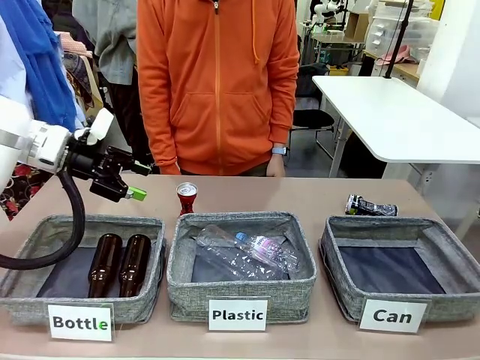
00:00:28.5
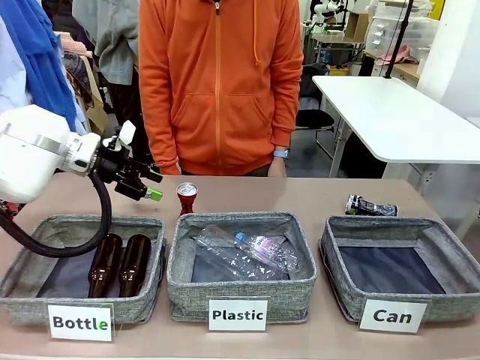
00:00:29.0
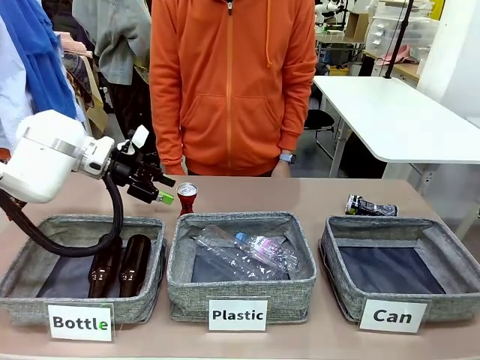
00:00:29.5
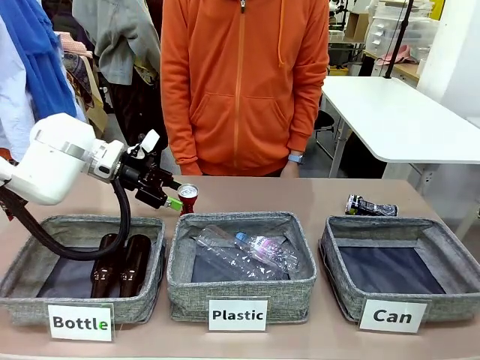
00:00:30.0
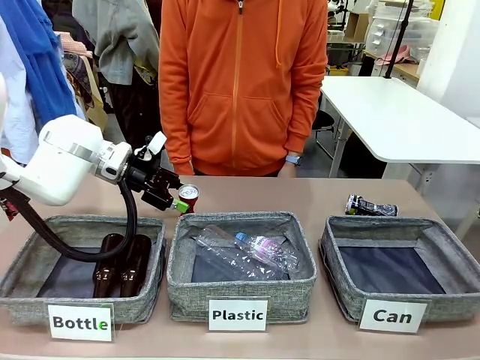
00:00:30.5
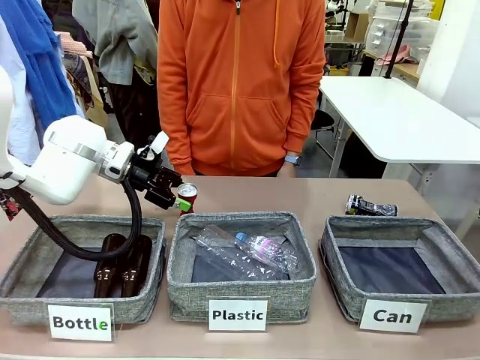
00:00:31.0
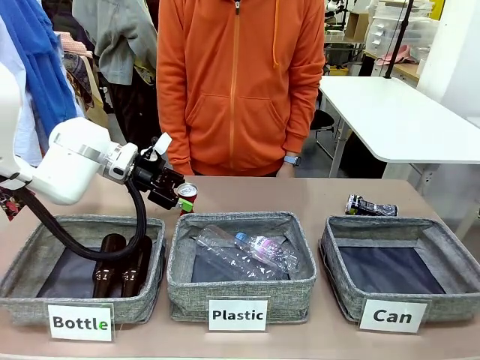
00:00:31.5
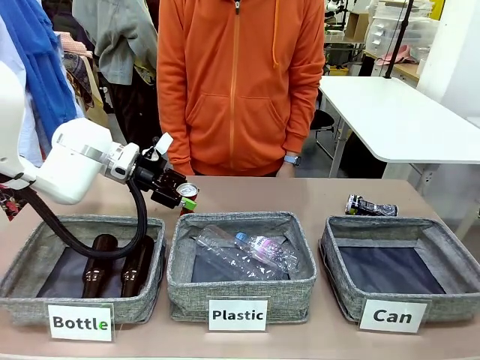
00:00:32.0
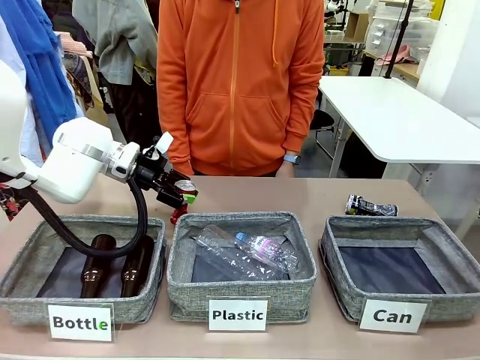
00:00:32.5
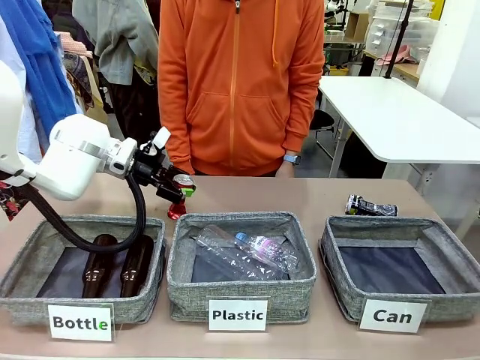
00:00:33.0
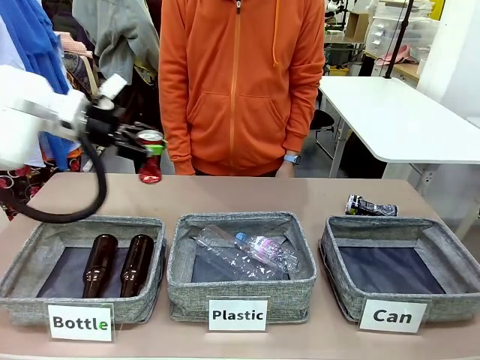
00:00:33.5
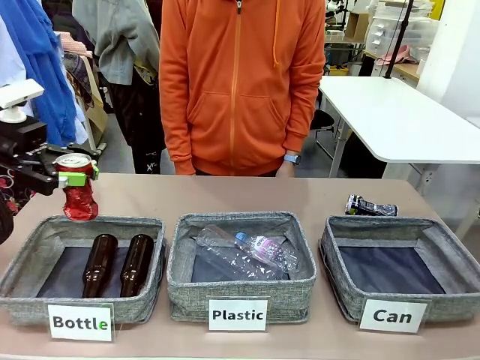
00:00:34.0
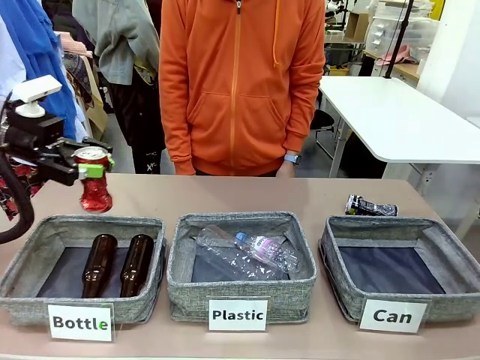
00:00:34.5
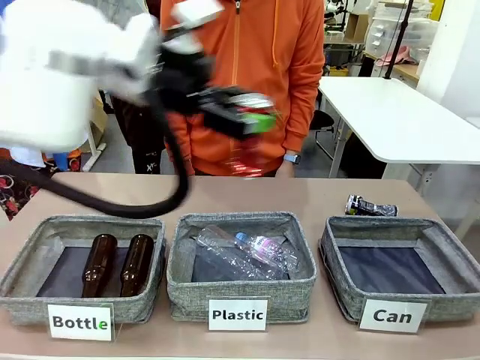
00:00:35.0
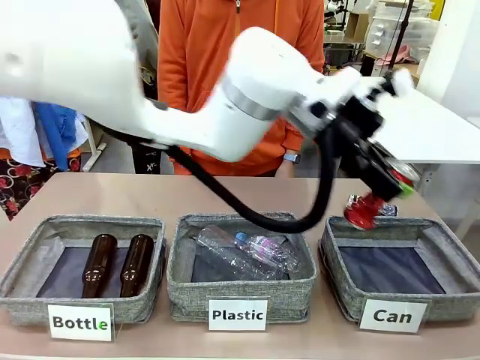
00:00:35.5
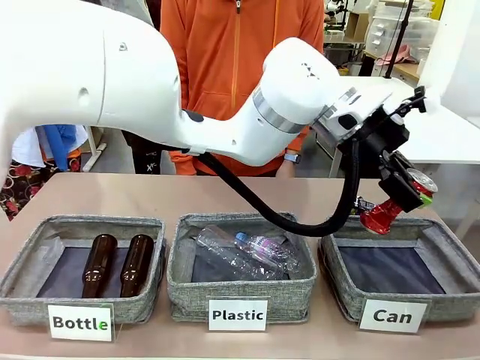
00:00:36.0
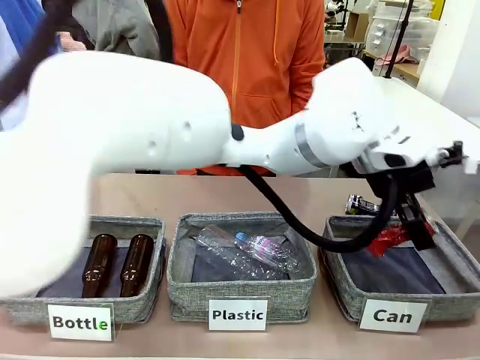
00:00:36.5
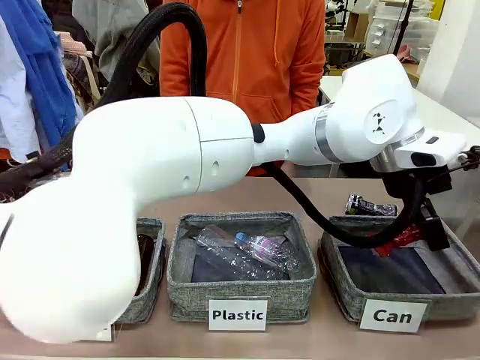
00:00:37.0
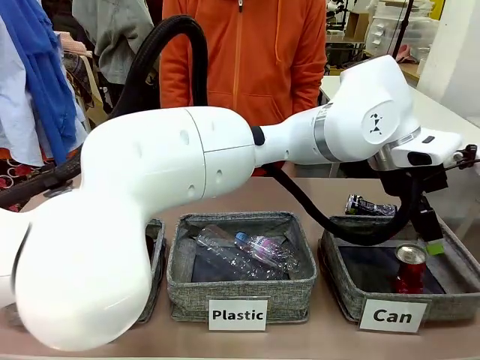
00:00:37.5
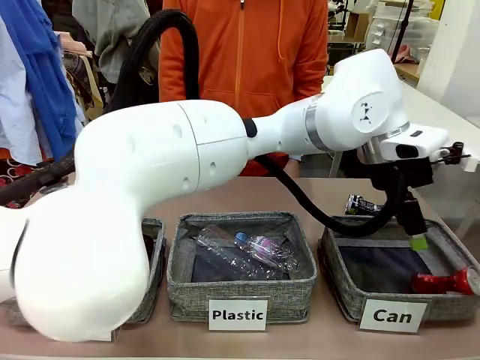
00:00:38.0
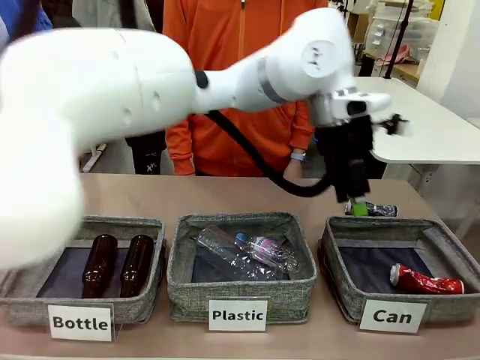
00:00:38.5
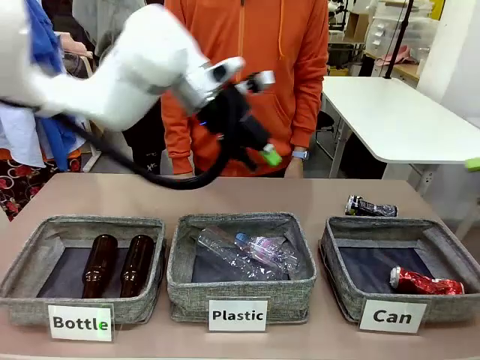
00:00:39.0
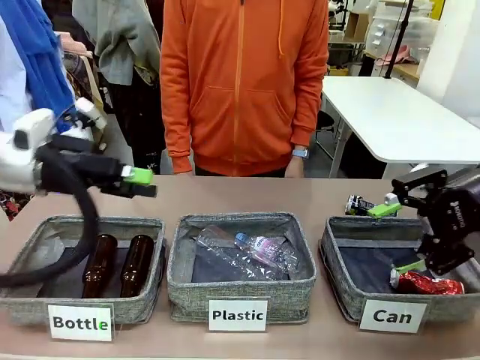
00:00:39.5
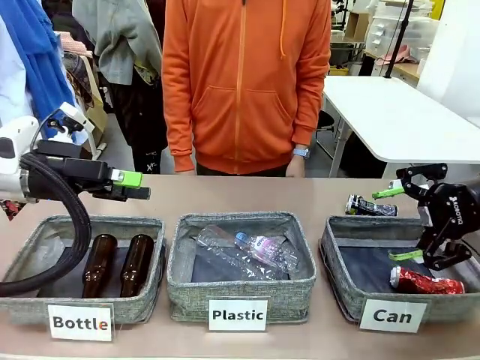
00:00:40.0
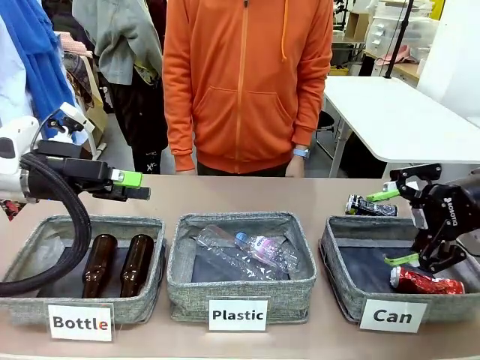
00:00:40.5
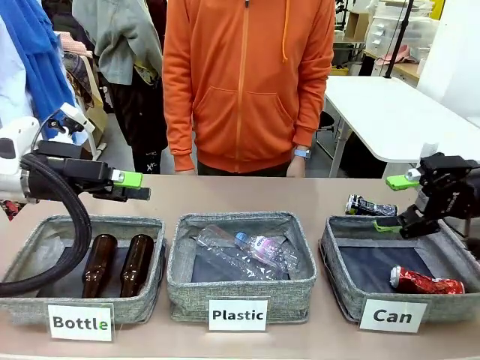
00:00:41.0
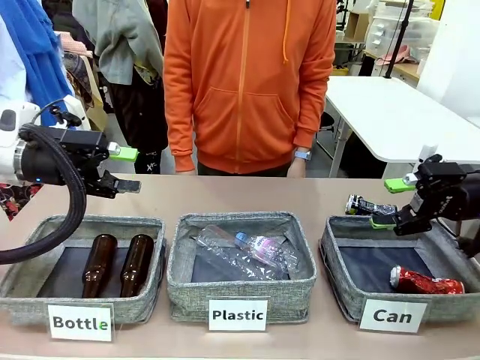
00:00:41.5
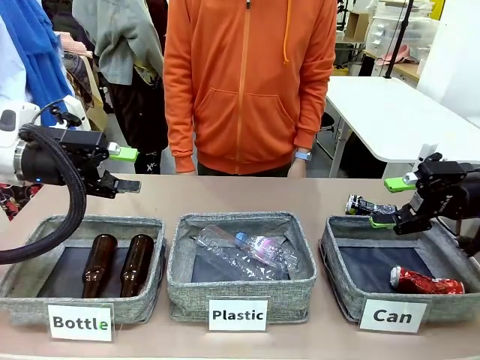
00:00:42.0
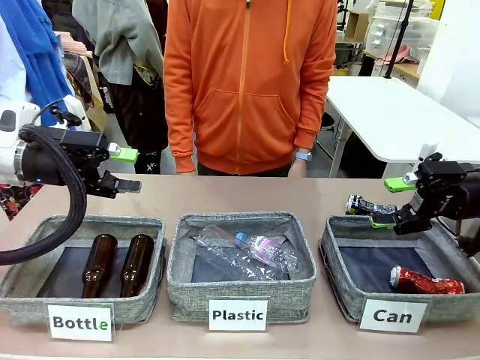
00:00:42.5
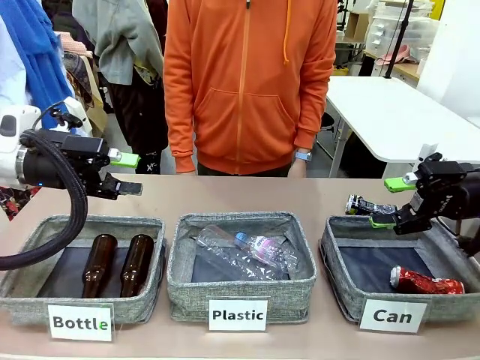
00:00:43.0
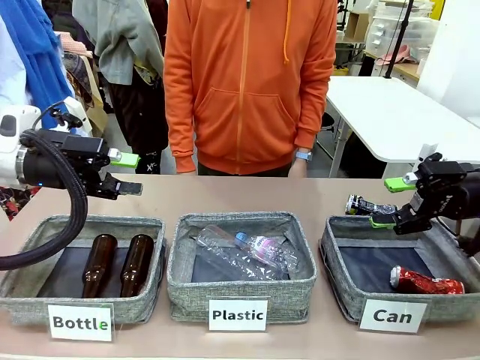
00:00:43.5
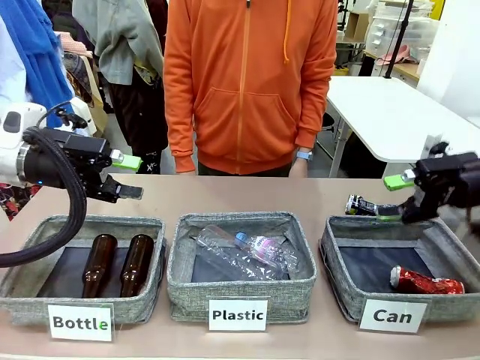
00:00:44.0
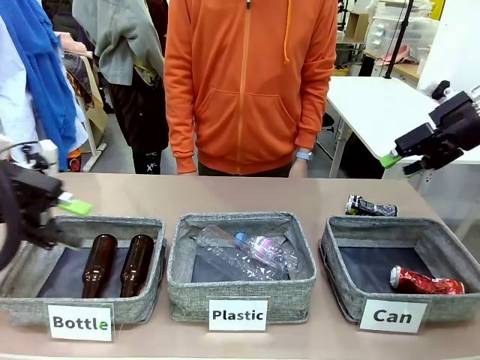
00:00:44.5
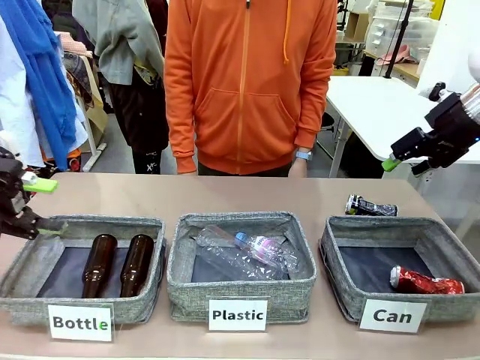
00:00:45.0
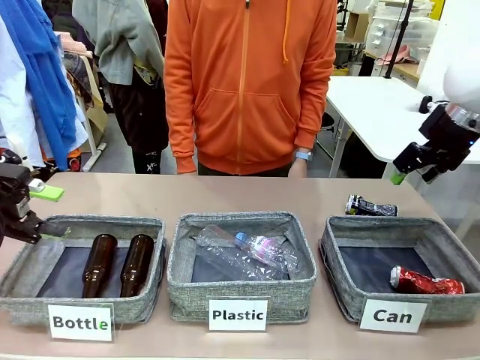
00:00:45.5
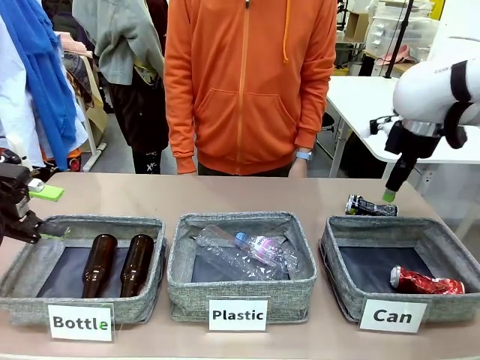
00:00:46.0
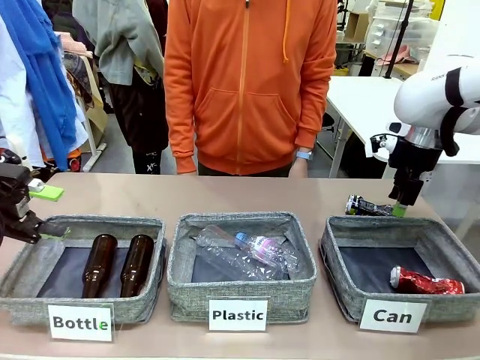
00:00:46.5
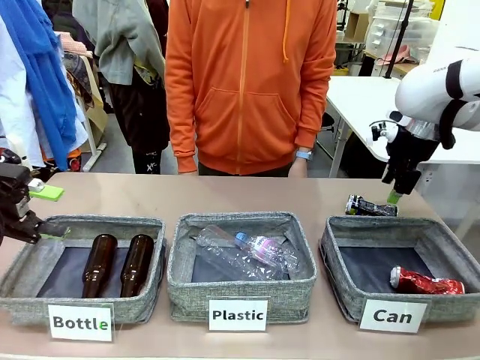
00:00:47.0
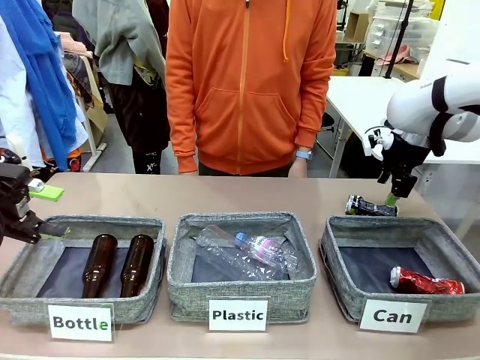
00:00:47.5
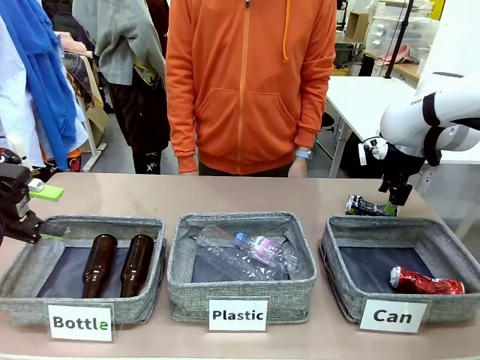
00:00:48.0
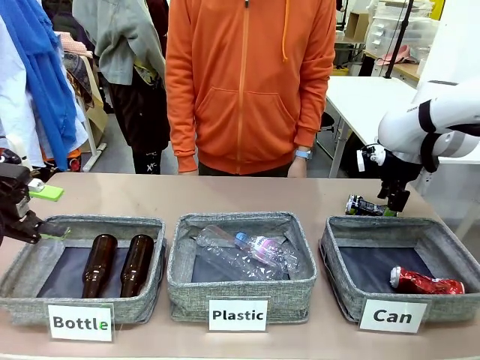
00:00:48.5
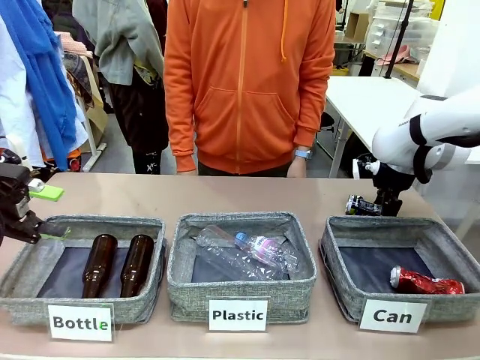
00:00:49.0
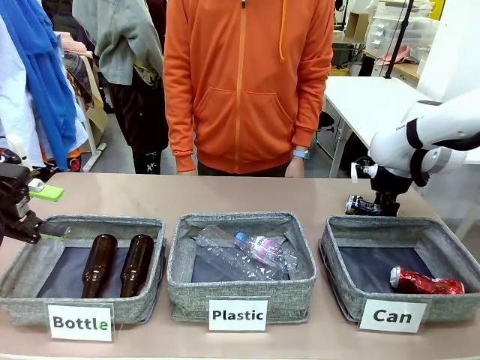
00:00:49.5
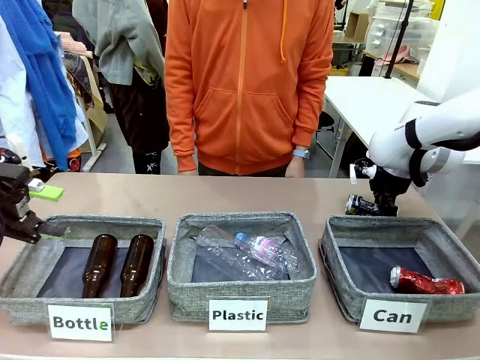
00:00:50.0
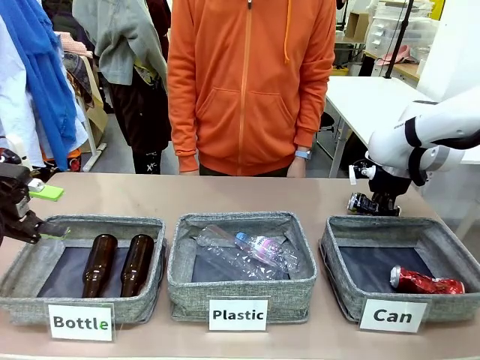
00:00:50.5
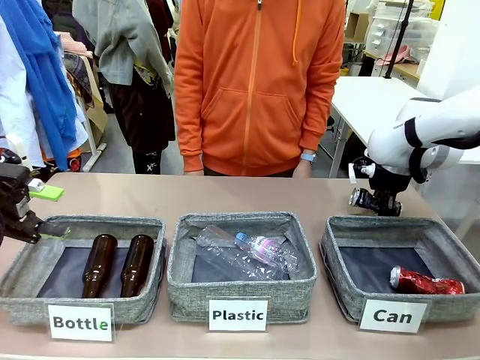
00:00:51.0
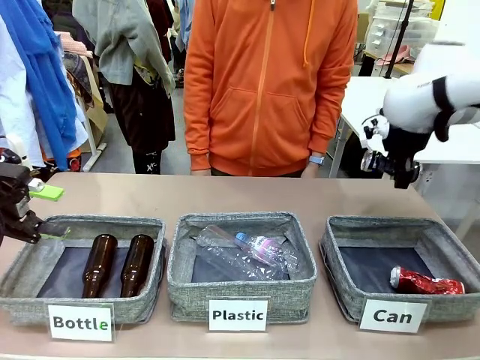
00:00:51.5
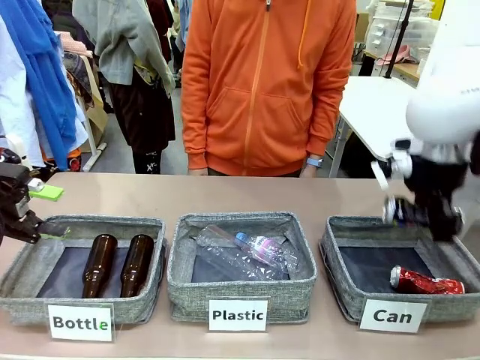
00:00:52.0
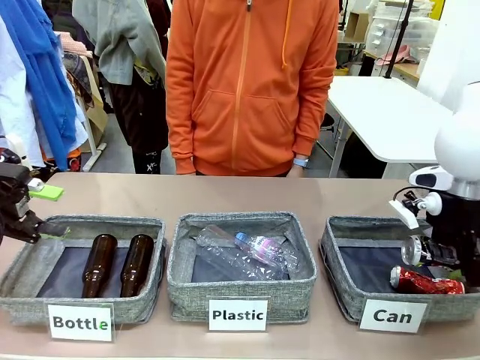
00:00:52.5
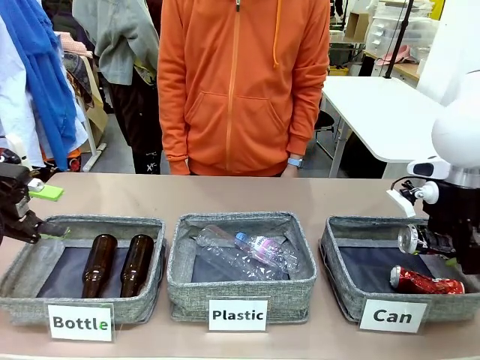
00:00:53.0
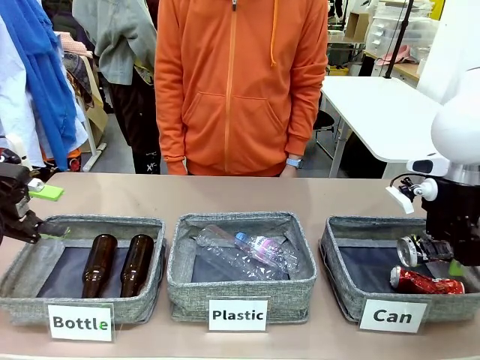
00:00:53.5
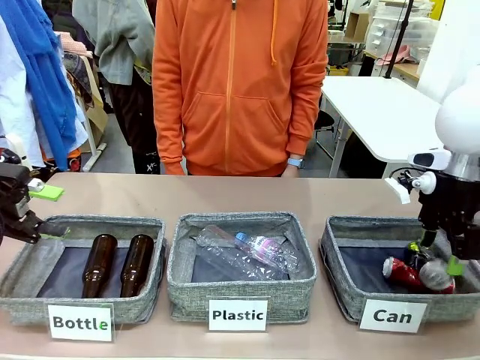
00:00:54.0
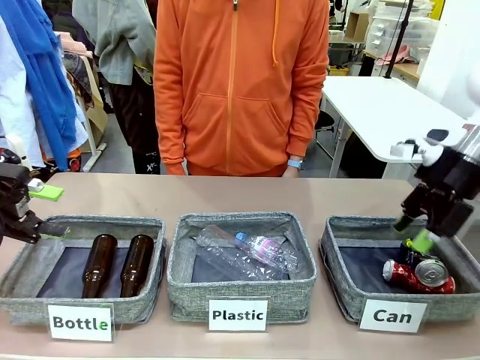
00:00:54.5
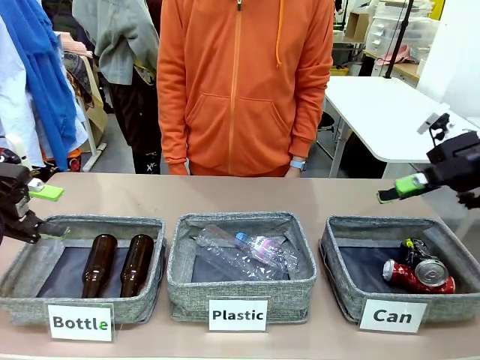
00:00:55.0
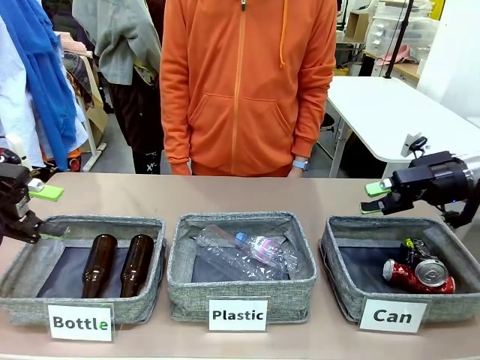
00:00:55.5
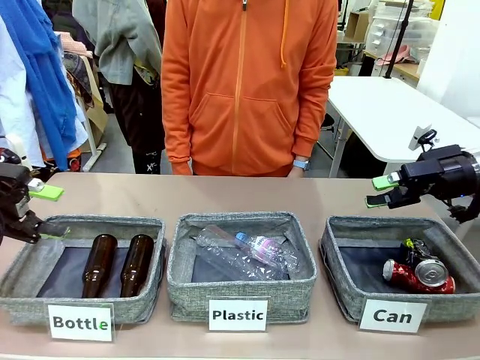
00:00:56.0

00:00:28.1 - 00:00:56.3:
Task: Sort the can waste into the basket.
Robot: Pick up the can waste from the table and place it in the right Fabric basket.
Person: The human picks up one piece of trash that is not a can and places the trash into the appropriate organizing basket.
